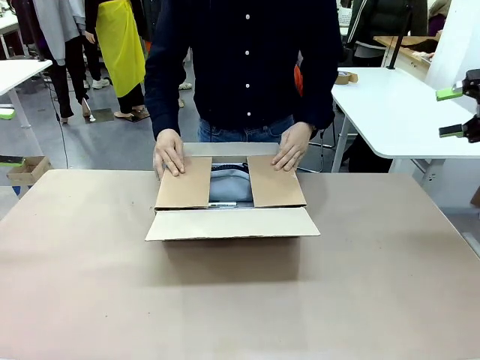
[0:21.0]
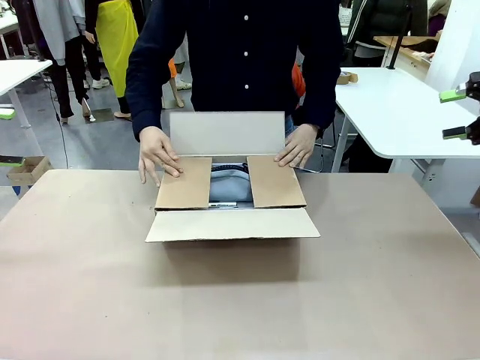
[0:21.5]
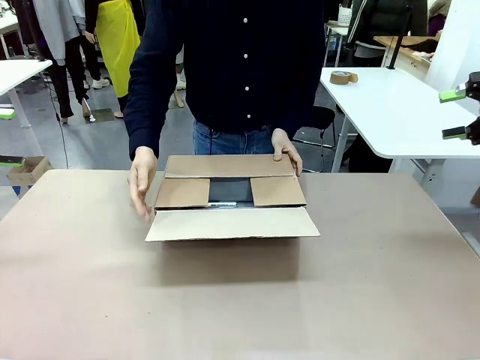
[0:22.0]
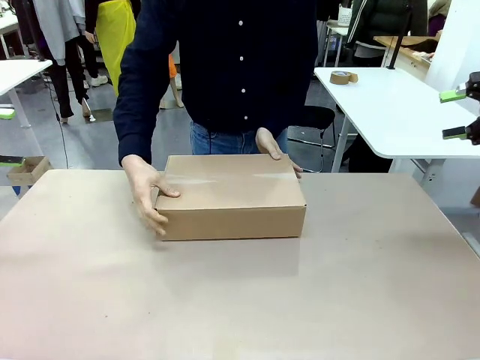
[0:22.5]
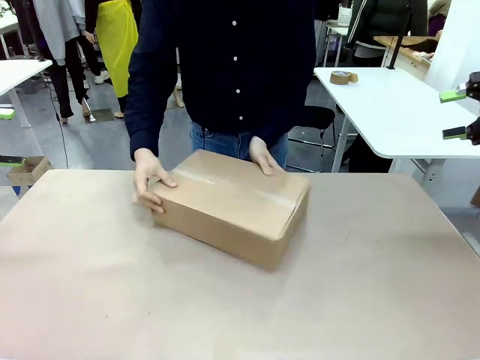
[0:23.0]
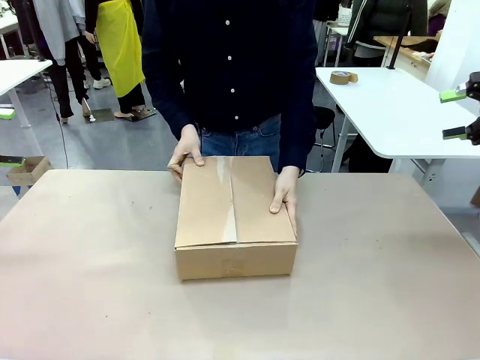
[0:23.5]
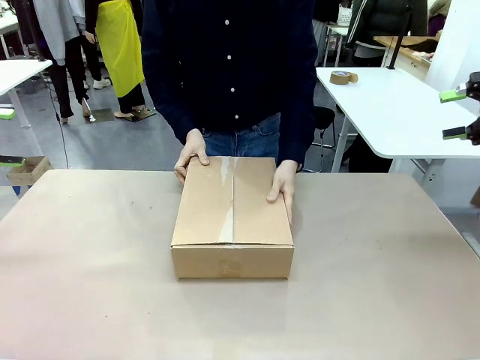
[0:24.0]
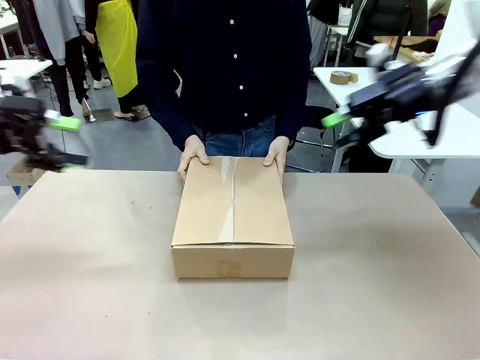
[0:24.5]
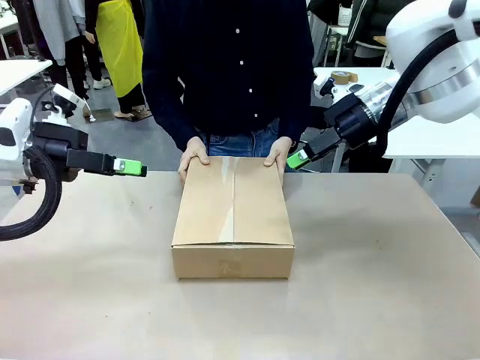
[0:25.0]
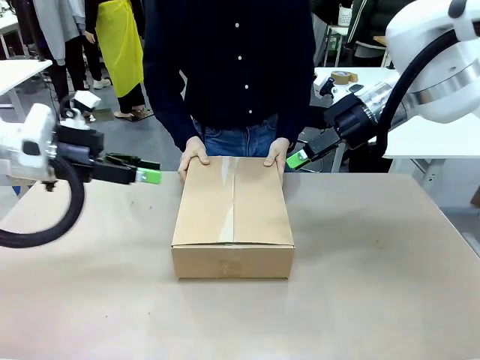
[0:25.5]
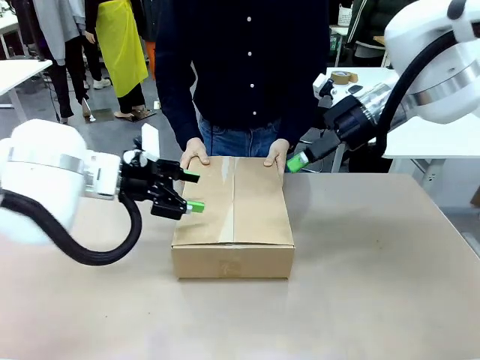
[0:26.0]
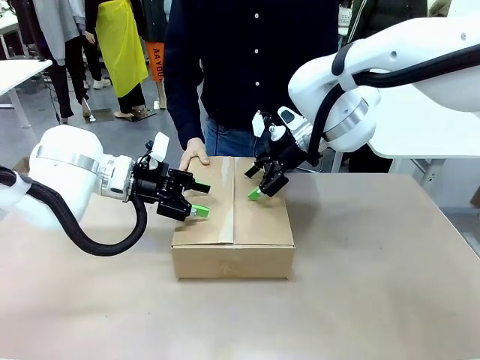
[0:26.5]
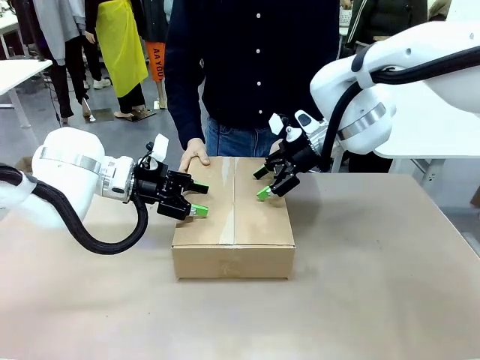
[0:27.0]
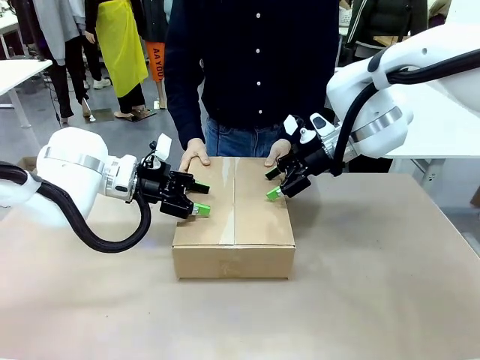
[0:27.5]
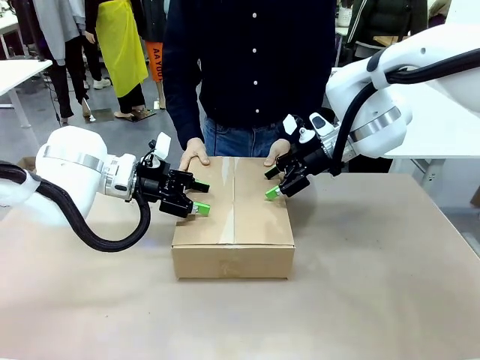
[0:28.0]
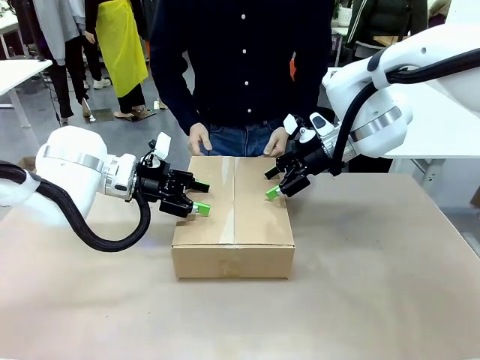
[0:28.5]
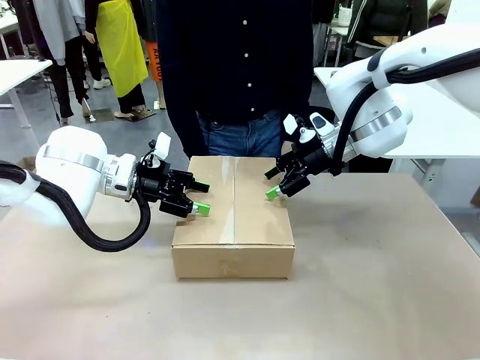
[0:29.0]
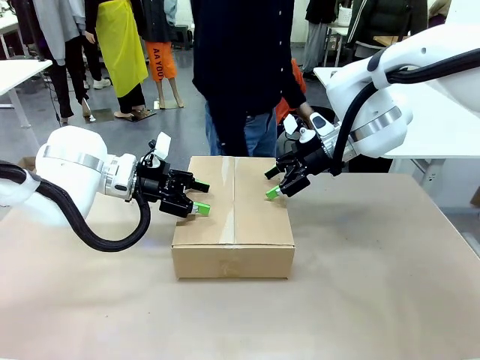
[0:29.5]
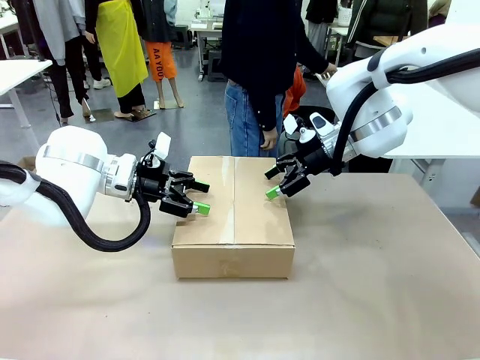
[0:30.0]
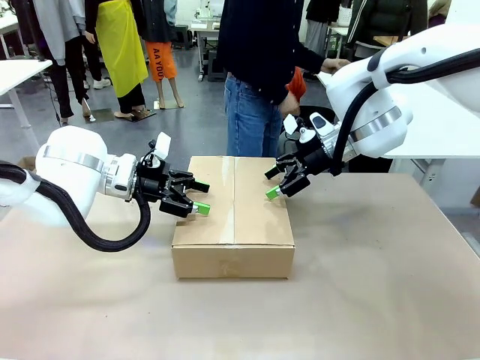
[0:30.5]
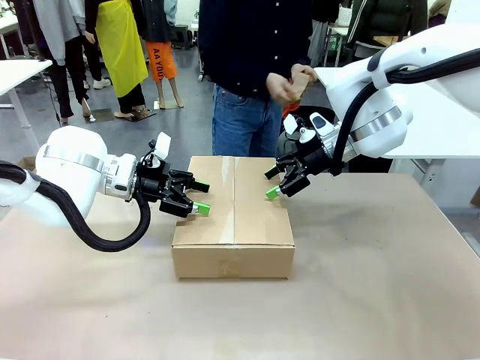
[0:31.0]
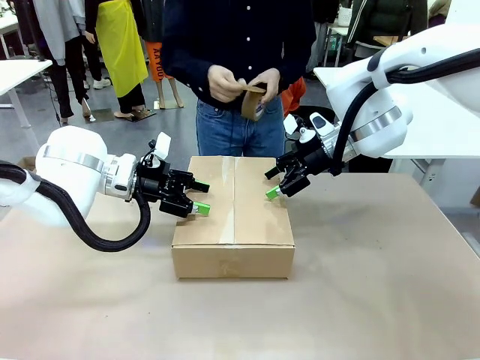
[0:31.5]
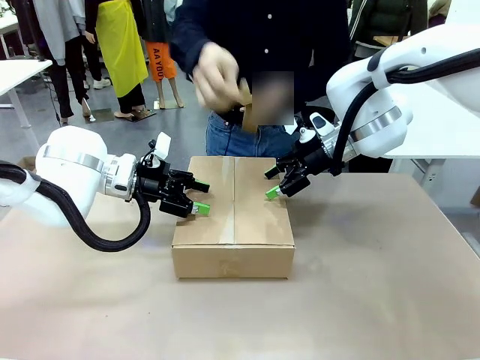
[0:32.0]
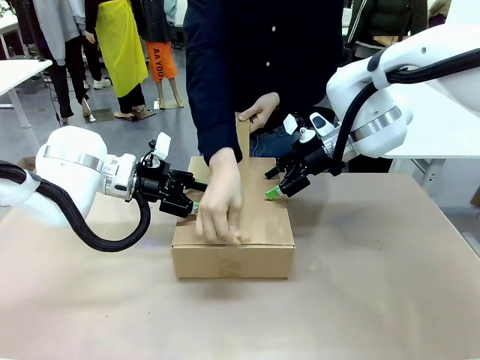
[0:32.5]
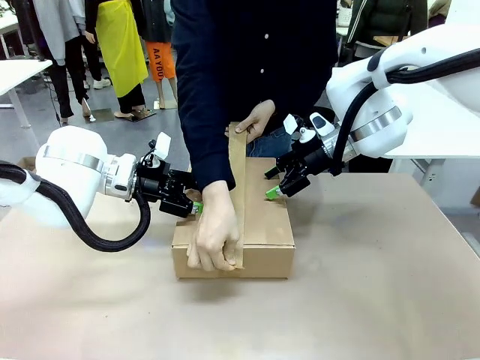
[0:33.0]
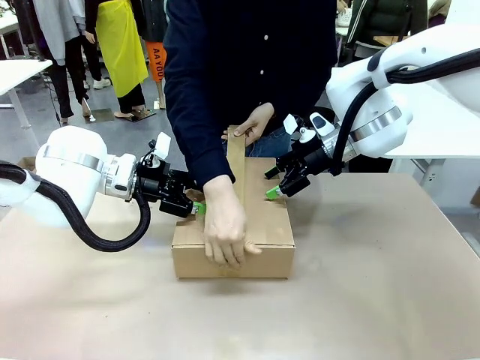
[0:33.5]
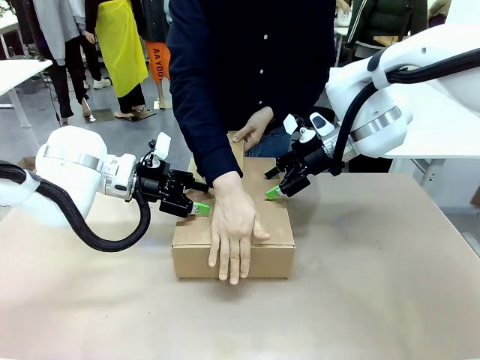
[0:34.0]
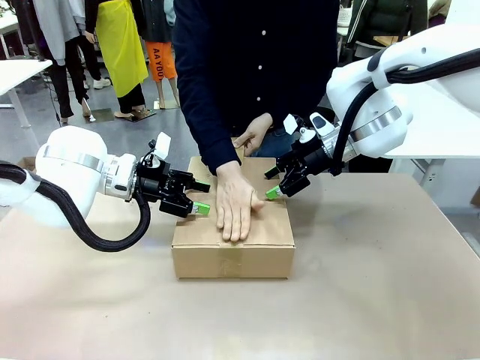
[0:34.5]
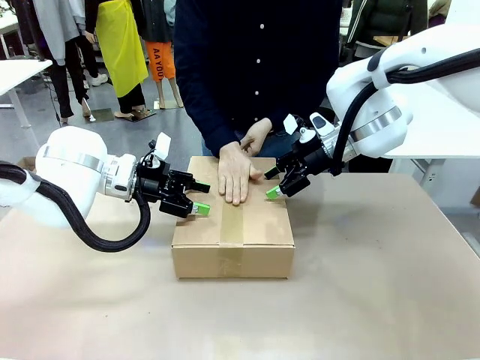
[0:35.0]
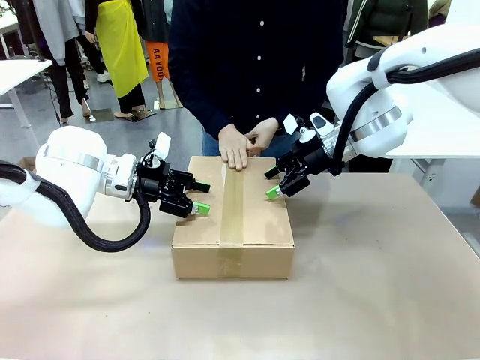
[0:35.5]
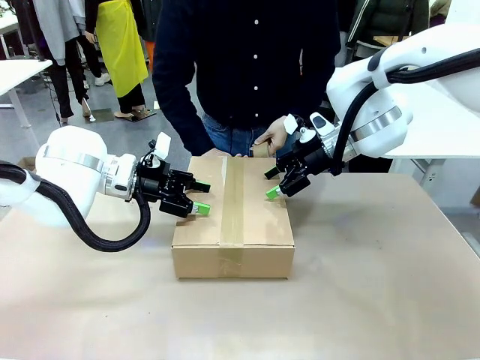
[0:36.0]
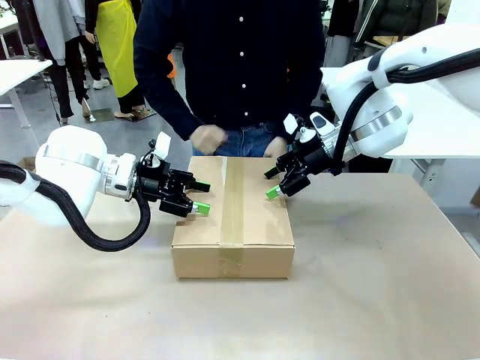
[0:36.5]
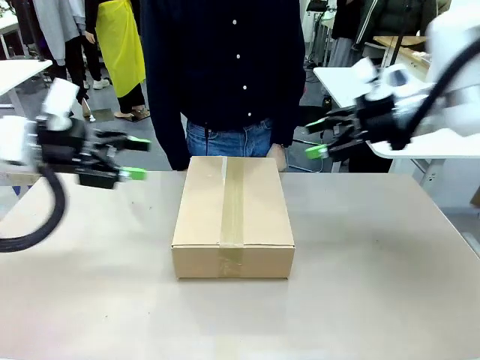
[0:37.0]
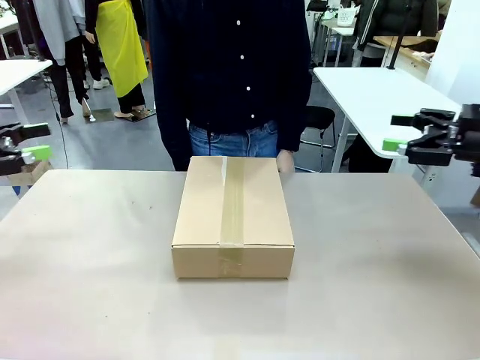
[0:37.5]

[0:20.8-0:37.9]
Task: Pack the gift set into the box.
Robot: Press and hold the closed box until the human finishes sealing it.
Person: The human closes the box and rotates the box by 90 degrees. The human picks up the paper tape from the human table and packs the box.

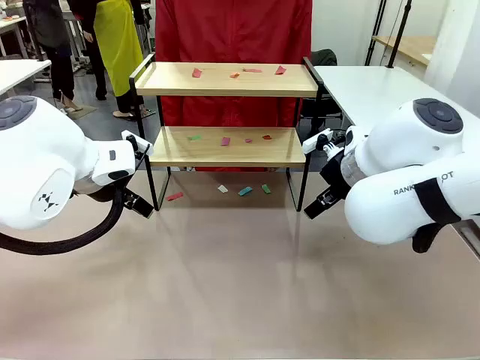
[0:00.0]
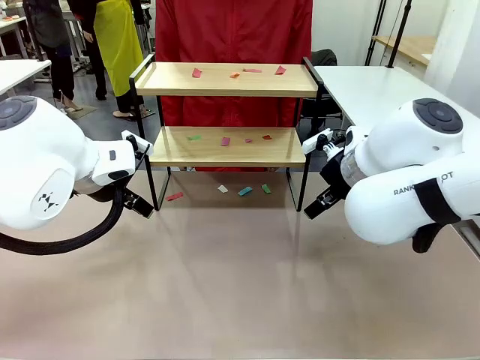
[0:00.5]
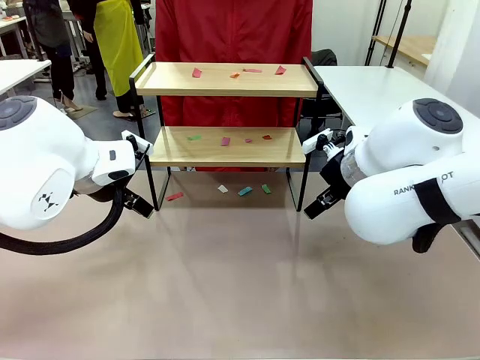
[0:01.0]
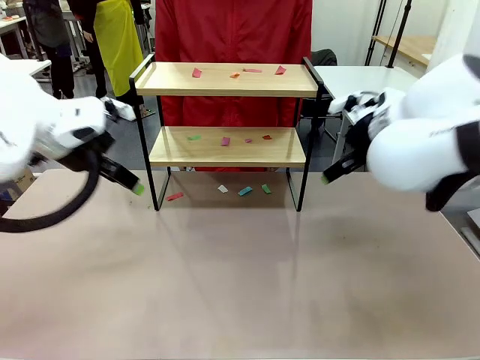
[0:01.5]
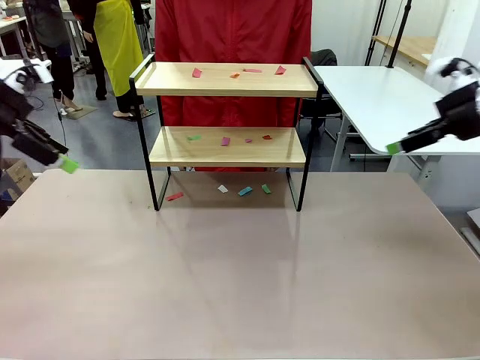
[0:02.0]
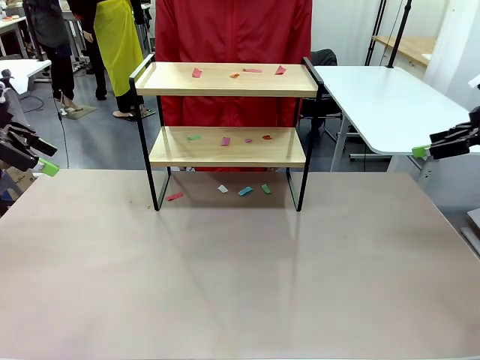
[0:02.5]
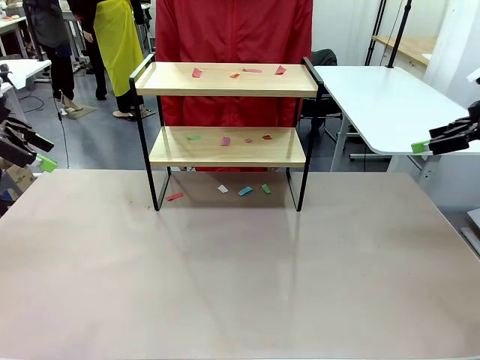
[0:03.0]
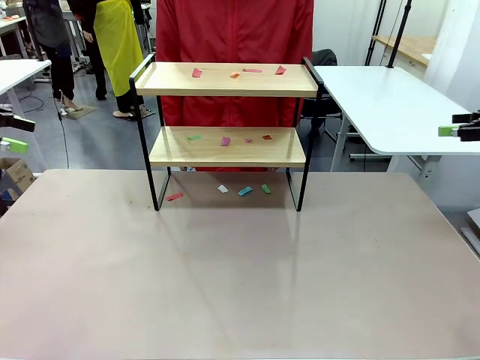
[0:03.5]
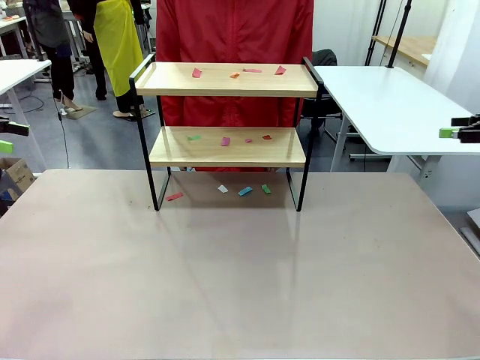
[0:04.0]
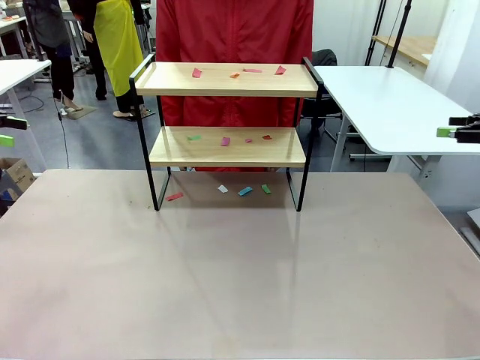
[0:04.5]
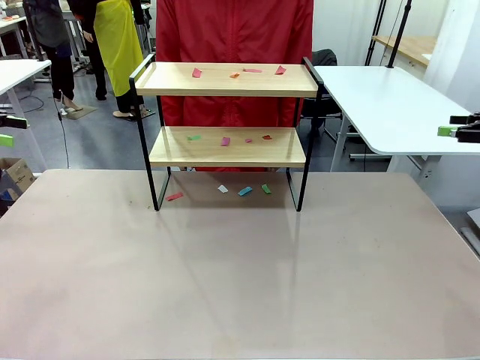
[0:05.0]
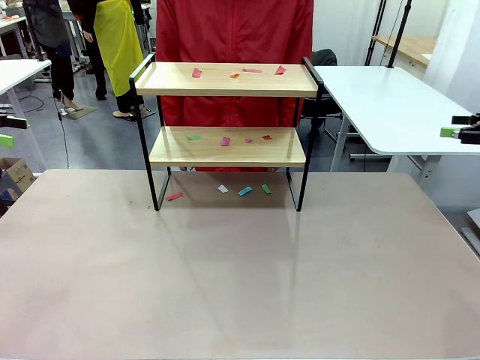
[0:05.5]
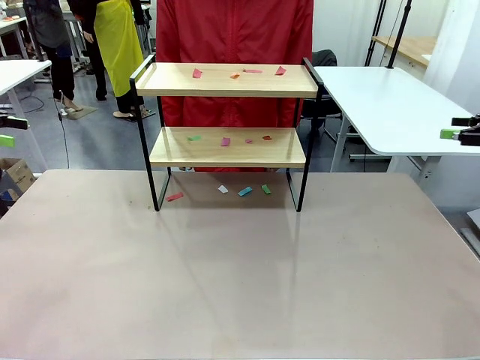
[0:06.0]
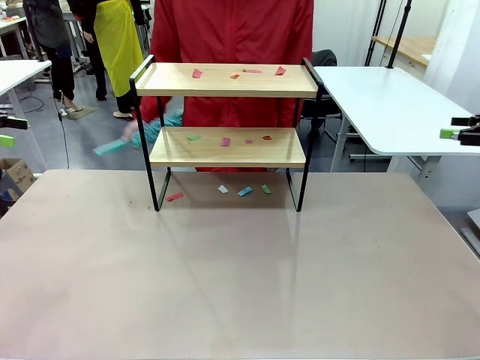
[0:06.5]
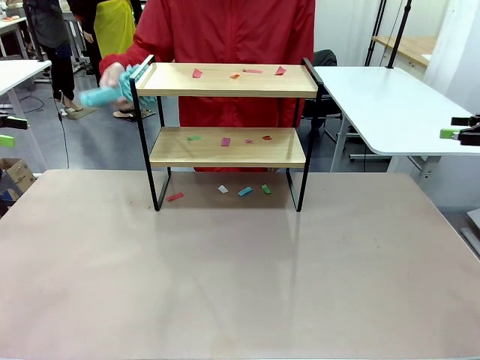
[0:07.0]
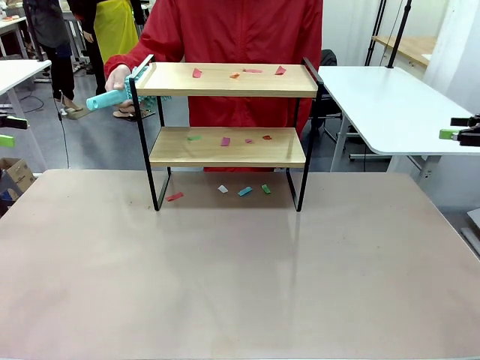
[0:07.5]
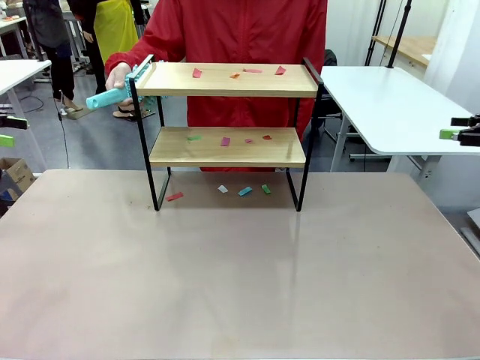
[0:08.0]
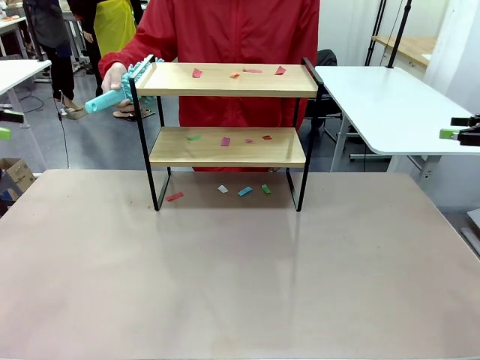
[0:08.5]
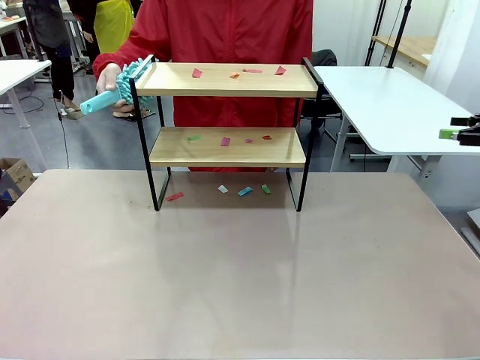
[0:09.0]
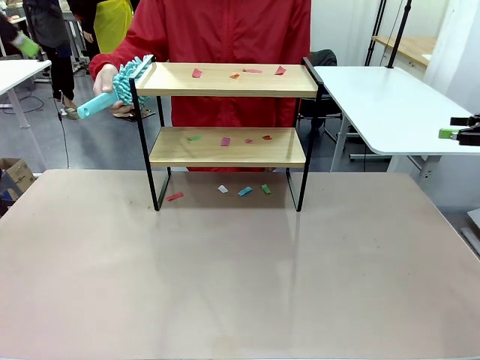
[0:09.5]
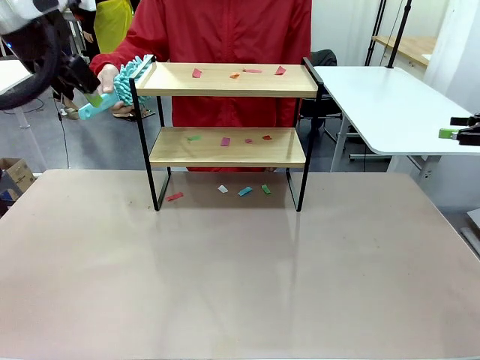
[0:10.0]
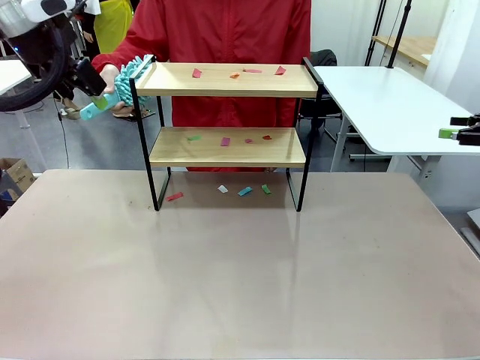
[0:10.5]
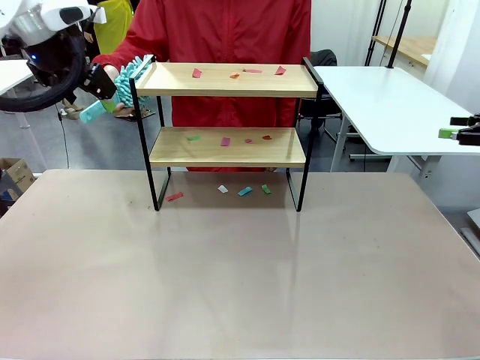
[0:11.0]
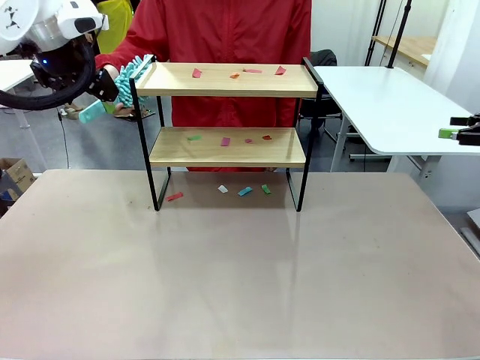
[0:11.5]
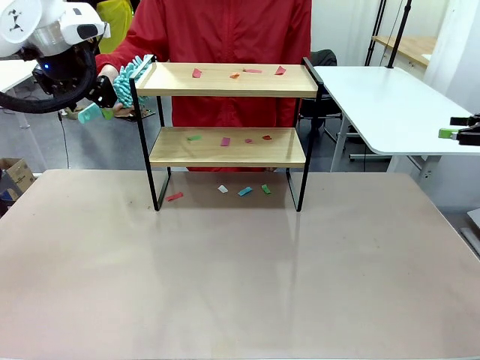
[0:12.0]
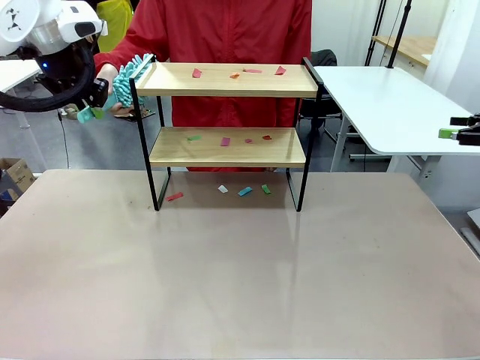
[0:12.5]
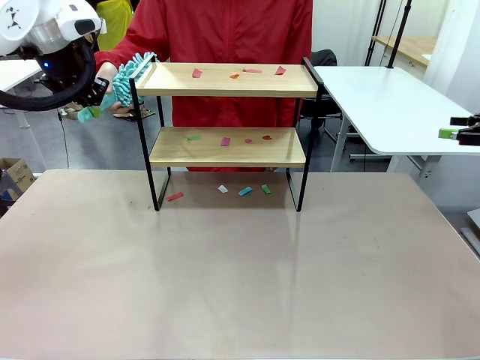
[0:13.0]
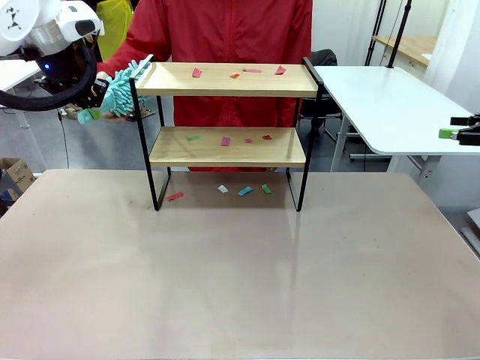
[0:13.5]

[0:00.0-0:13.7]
Task: Clean the shelf.
Robot: Pick up the Duster handed by the human.
Person: Hand the Duster to the robot.
